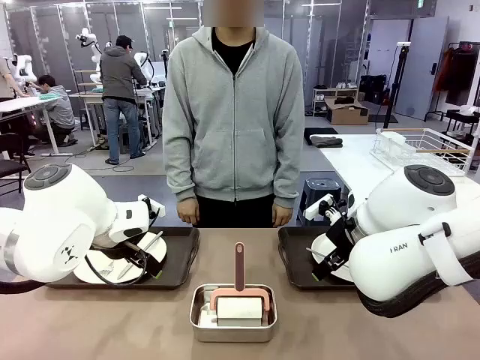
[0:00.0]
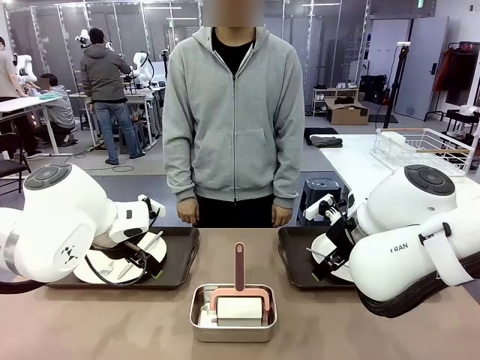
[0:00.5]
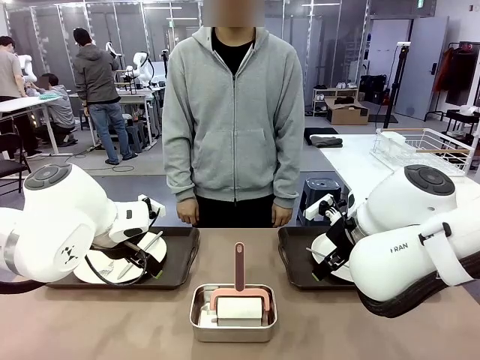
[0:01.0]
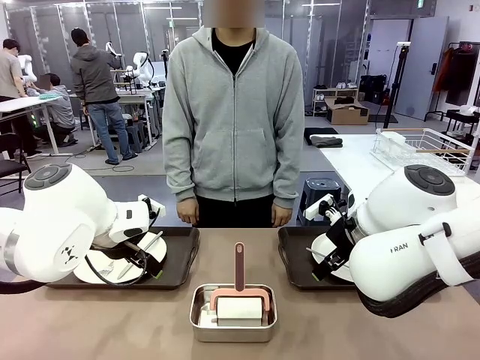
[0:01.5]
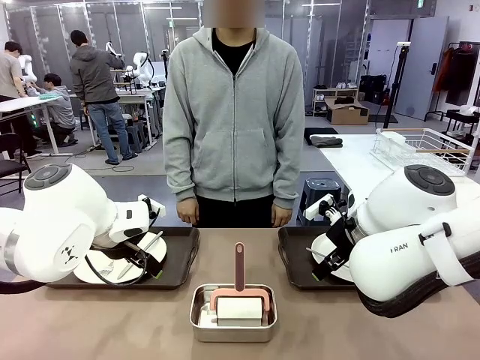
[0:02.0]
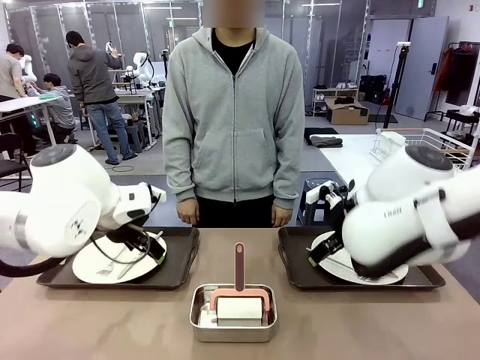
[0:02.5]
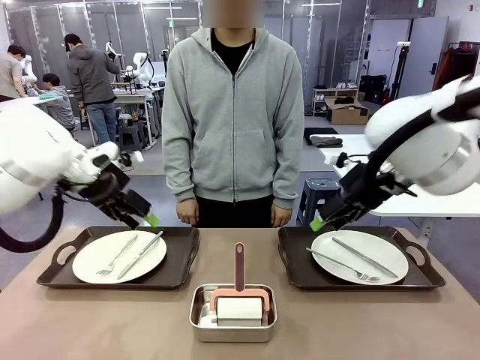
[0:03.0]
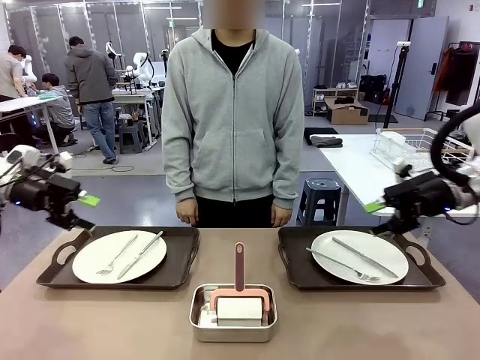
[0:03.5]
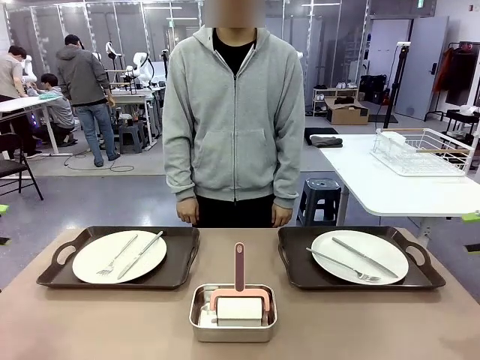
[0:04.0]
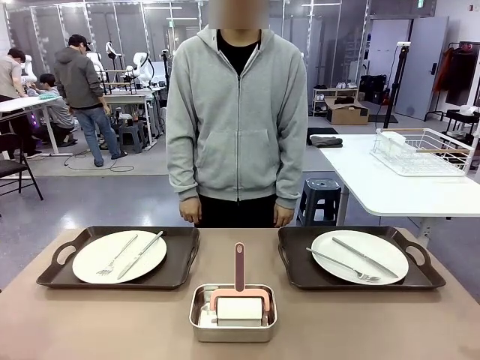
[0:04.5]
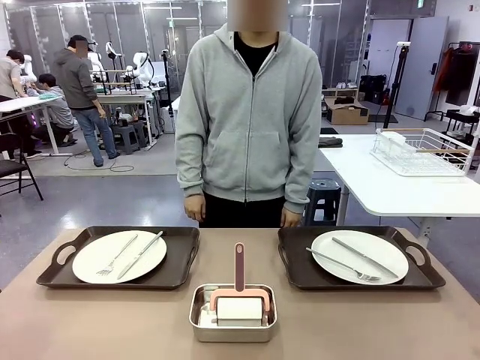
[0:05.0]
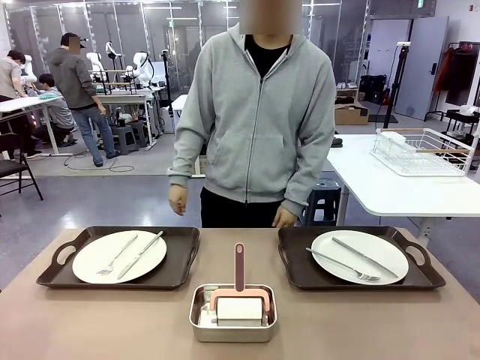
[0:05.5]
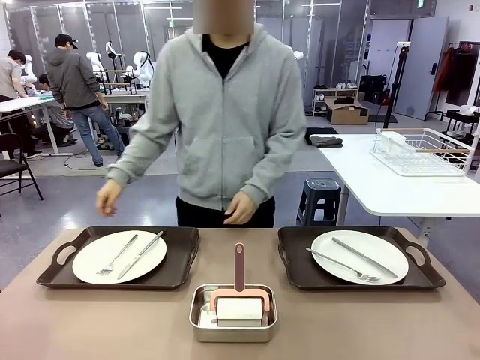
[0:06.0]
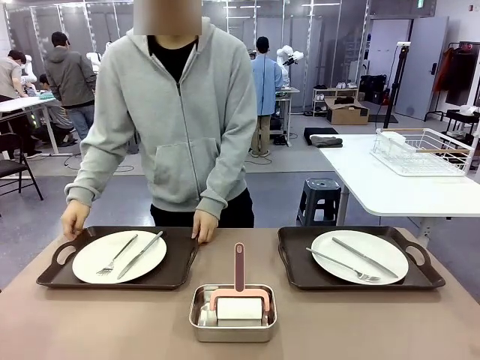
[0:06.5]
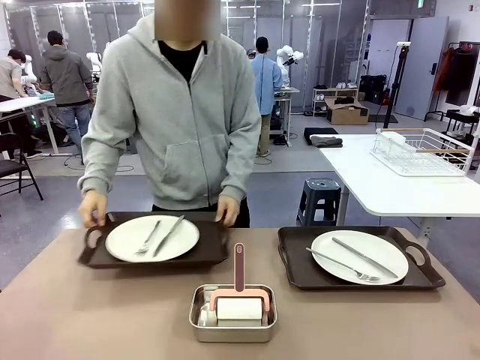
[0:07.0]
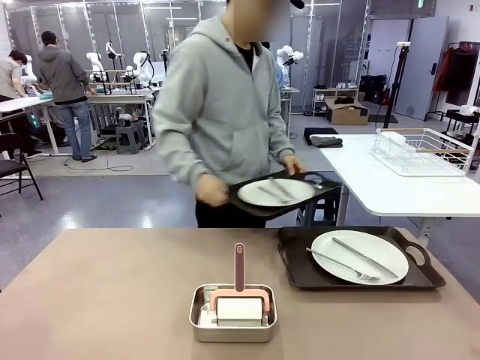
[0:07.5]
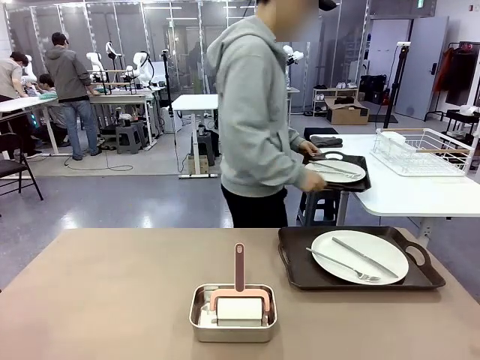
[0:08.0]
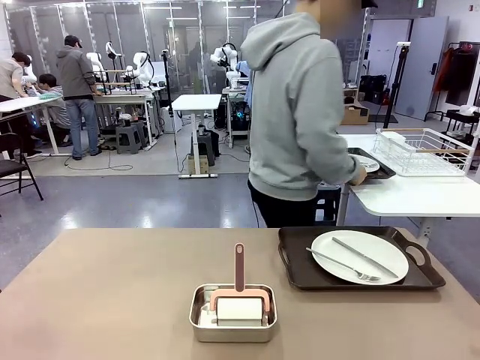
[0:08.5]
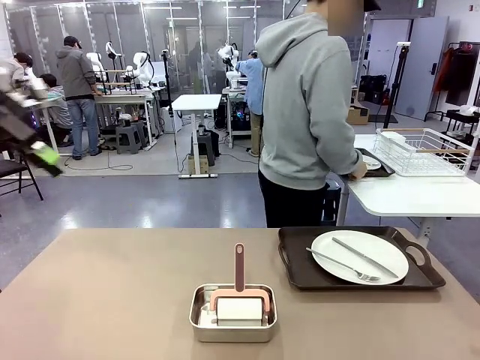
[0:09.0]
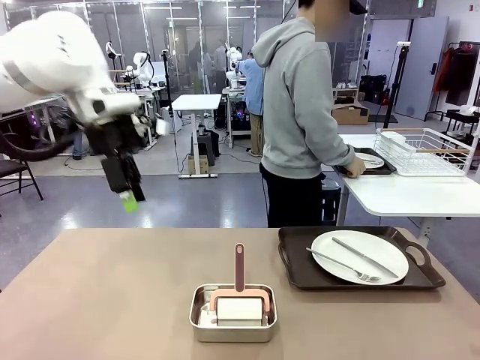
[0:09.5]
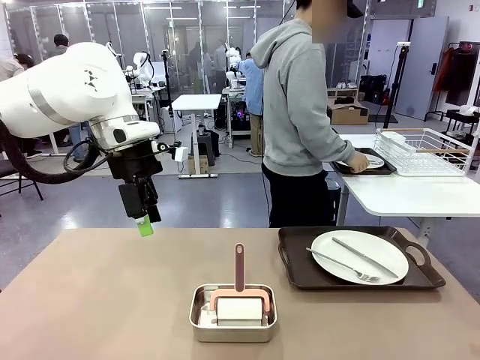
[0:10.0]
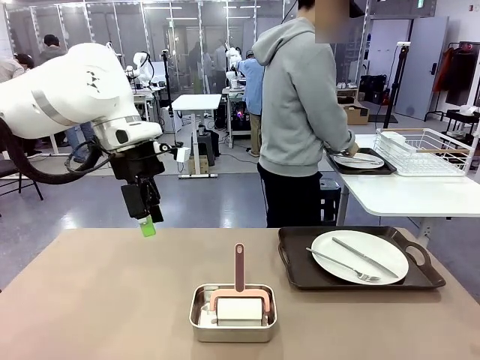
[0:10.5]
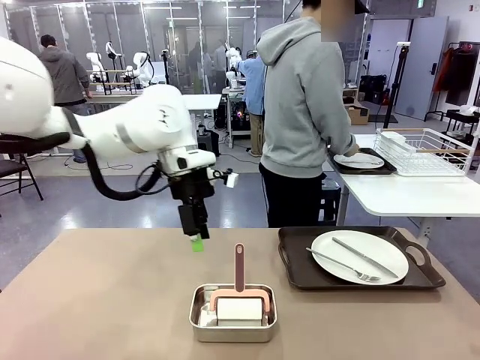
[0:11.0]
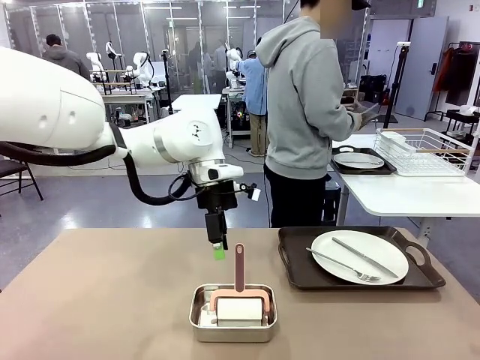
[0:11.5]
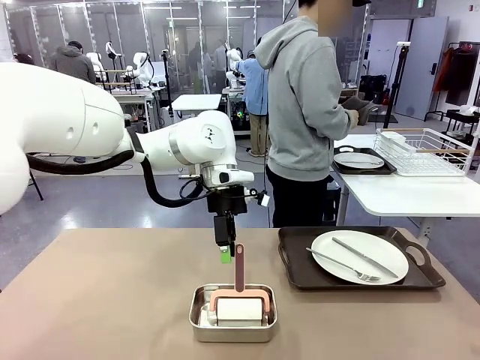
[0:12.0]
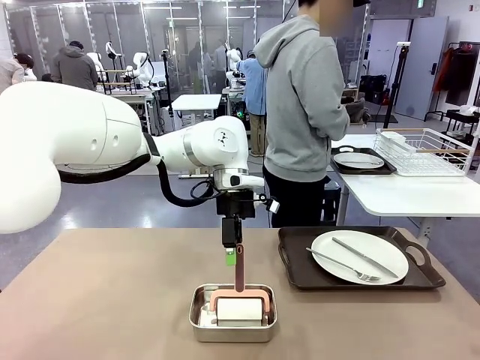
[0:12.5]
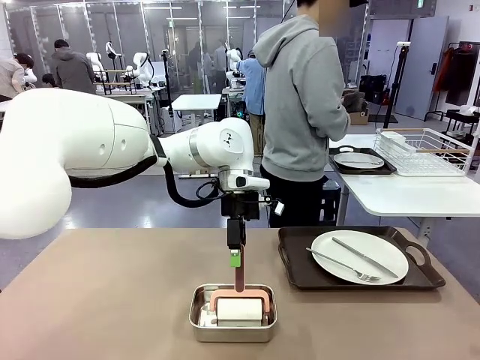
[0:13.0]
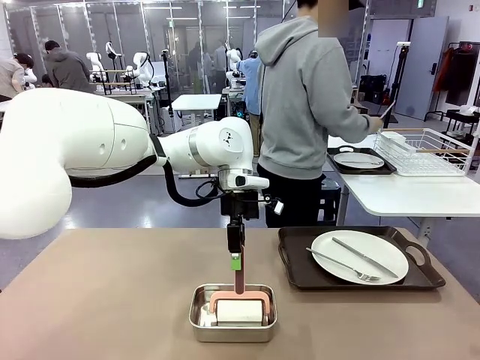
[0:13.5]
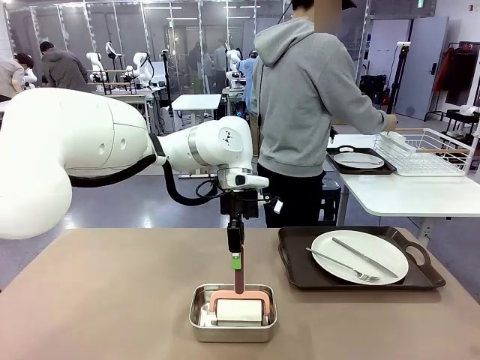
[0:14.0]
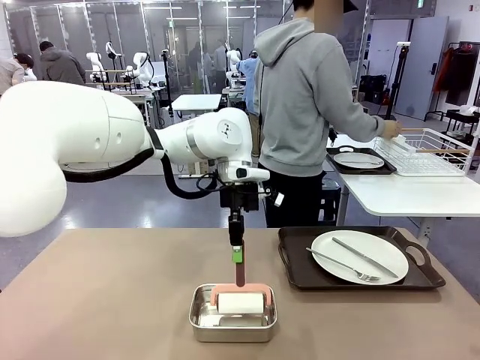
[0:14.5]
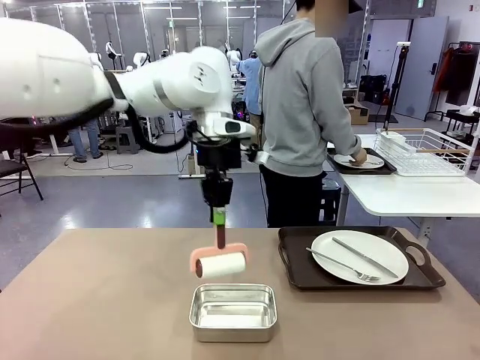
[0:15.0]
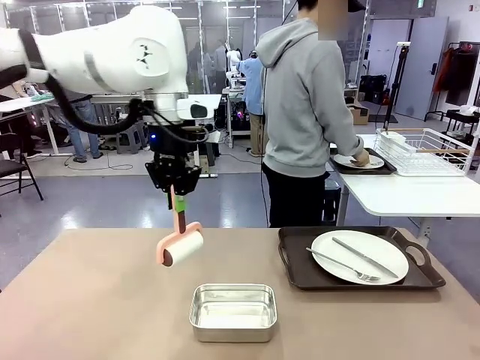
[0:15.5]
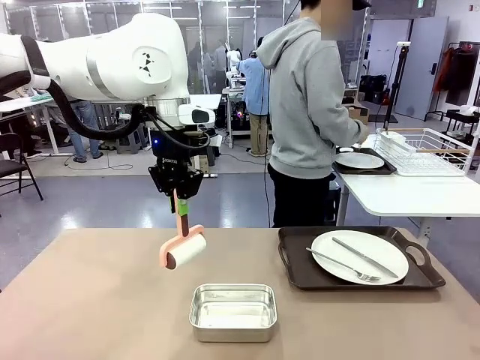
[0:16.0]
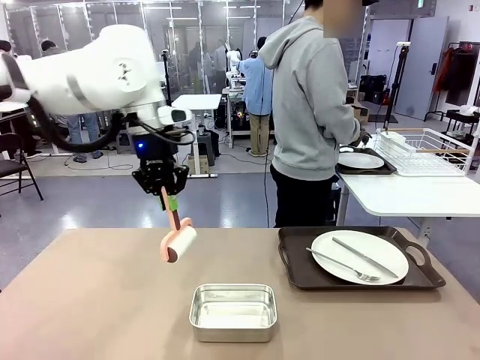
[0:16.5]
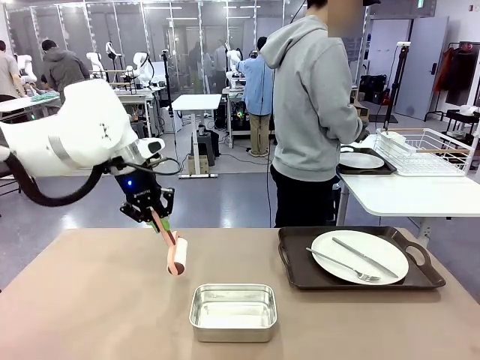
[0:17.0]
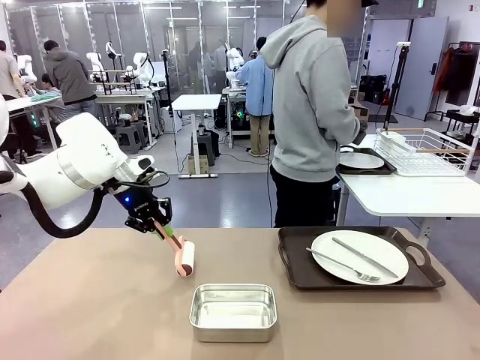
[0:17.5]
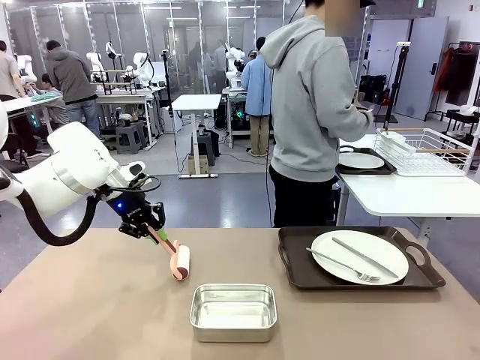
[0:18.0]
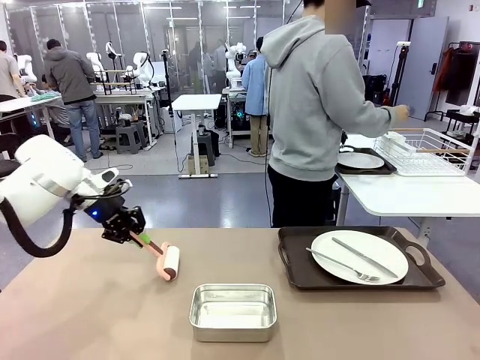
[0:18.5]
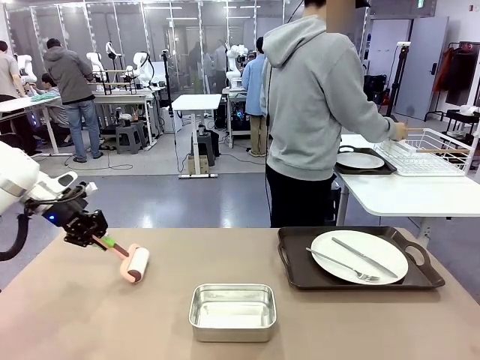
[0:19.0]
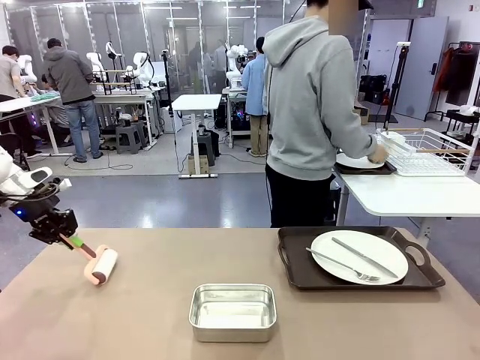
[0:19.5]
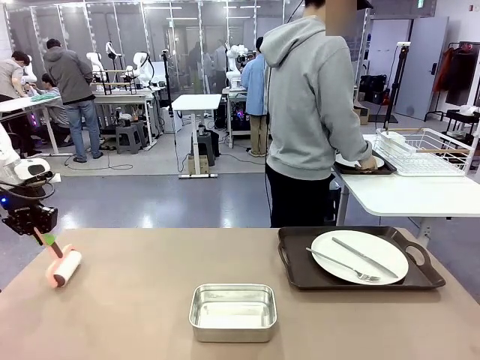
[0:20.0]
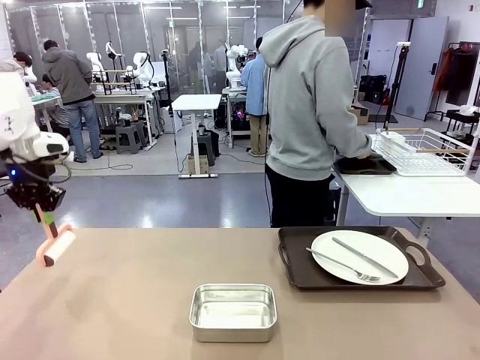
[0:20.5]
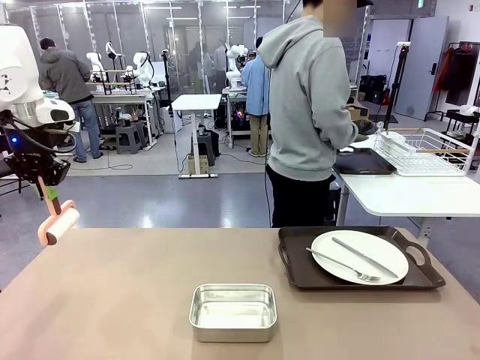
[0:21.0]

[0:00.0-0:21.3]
Robot: When the left (or right) Handle tray is removed, use the left hand (or right hand) to clean the left (or right) side of the table with the Lint Roller.
Person: Pick up the left (or right) Handle tray and place it on the middle of the Human's table. Use the Towel with hook to wipe the Plastic Matte Plate , Fork , and Knife and place into the Dish drying rack.

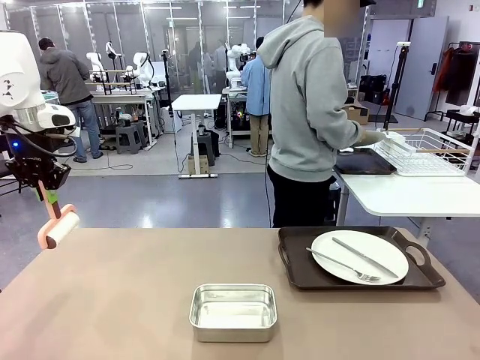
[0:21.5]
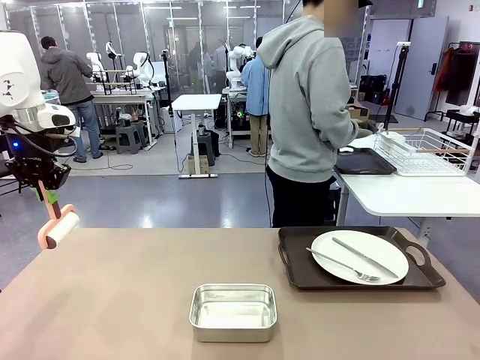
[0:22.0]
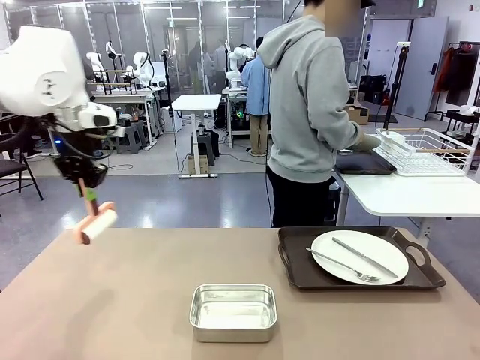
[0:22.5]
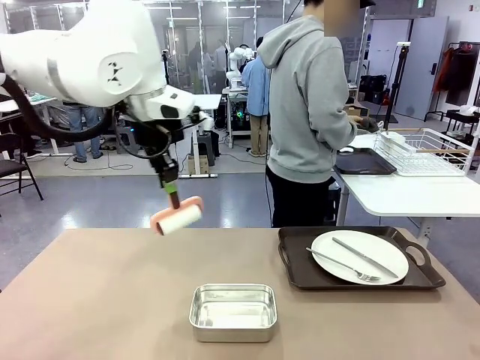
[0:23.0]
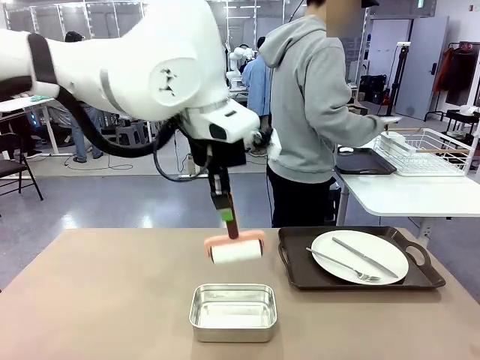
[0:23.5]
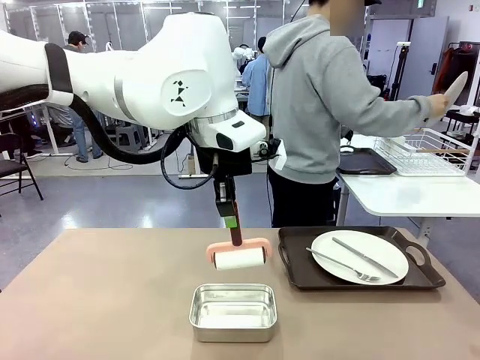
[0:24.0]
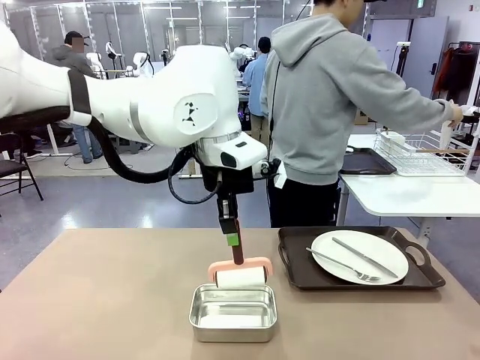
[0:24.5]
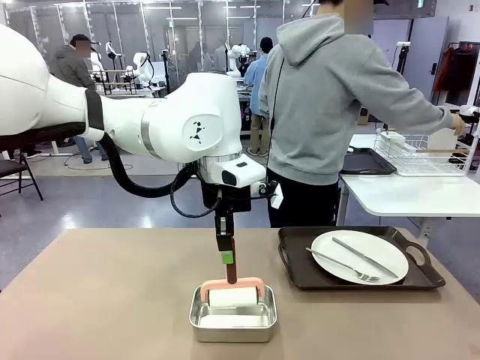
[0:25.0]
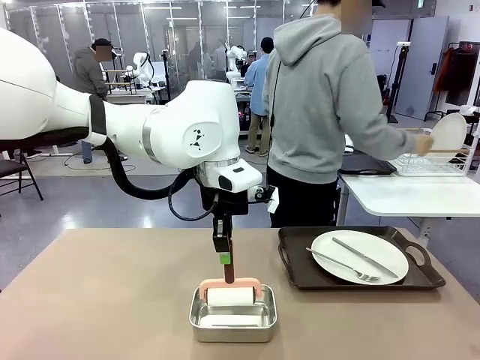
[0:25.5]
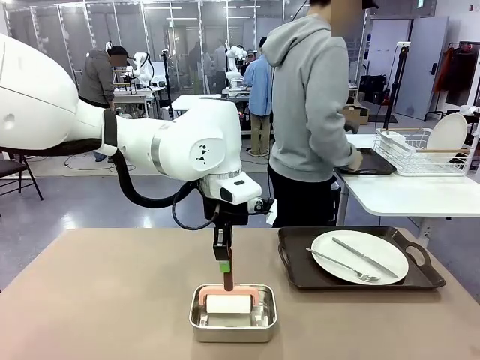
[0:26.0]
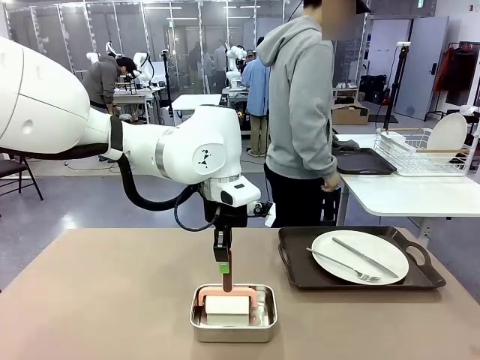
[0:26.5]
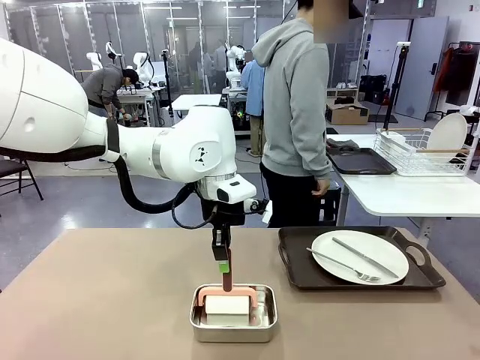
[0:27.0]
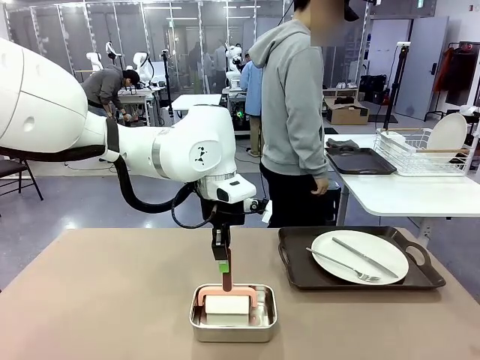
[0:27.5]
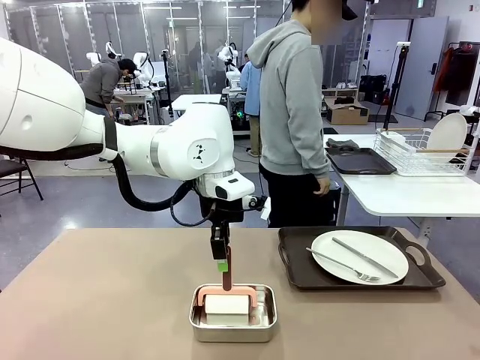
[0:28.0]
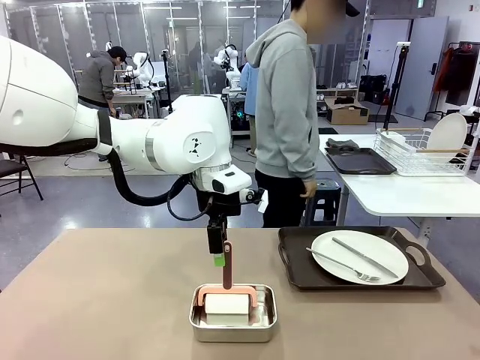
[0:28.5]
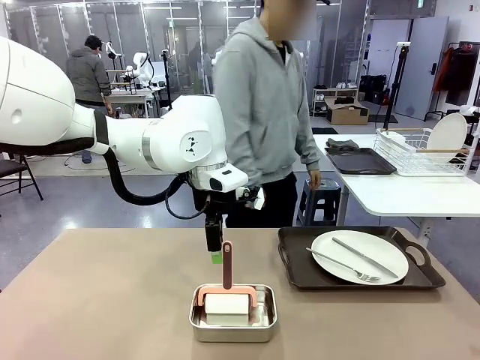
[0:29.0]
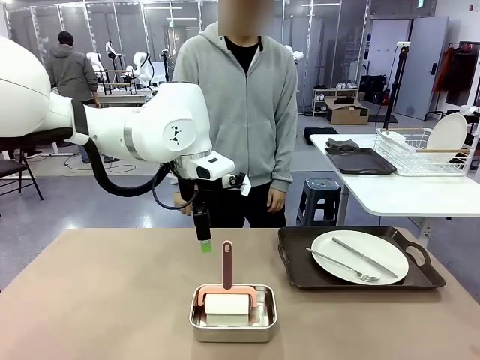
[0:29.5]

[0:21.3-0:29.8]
Robot: Place the Lint Roller back on top of the Airtight Container.
